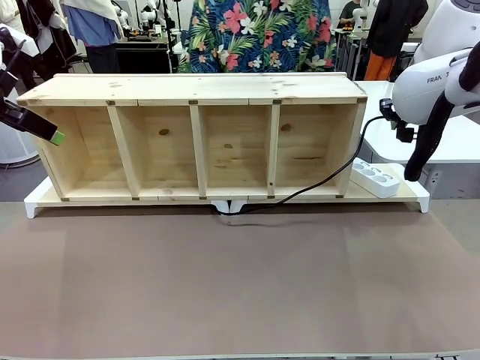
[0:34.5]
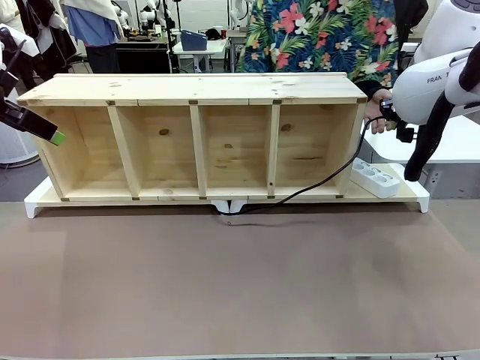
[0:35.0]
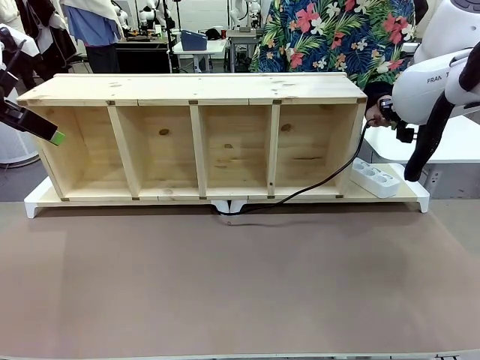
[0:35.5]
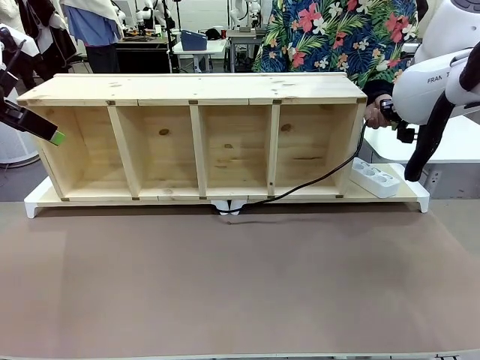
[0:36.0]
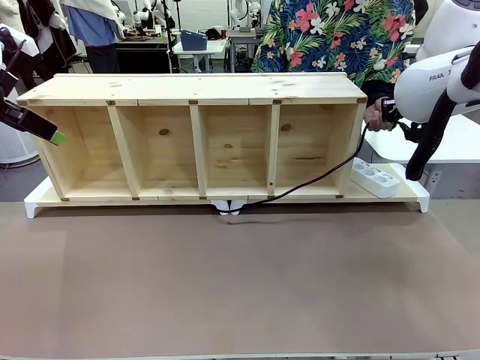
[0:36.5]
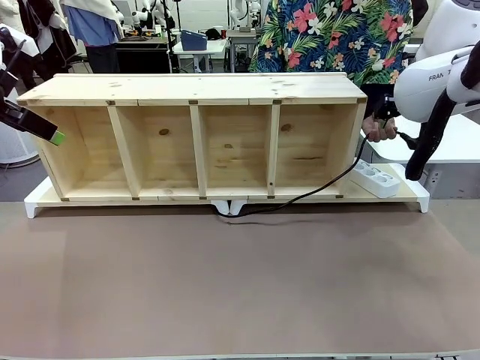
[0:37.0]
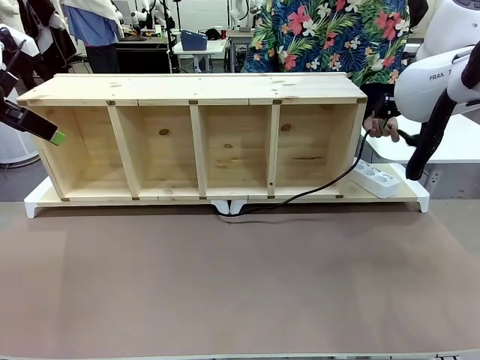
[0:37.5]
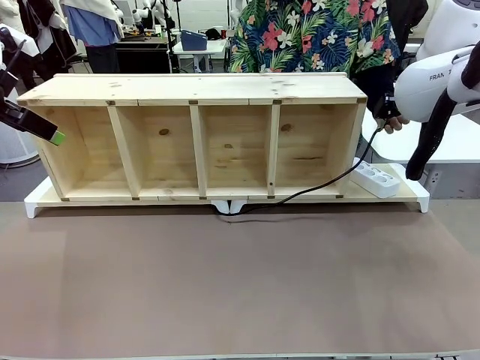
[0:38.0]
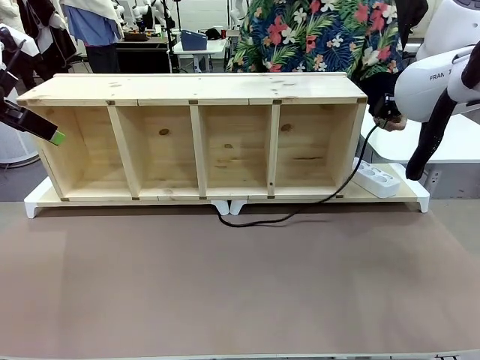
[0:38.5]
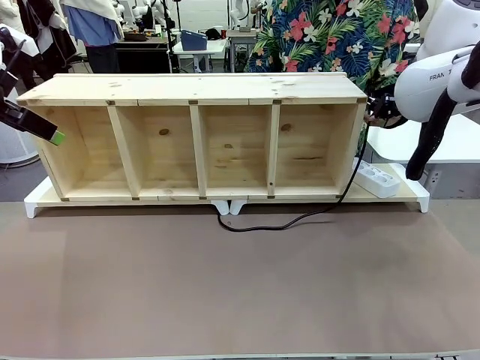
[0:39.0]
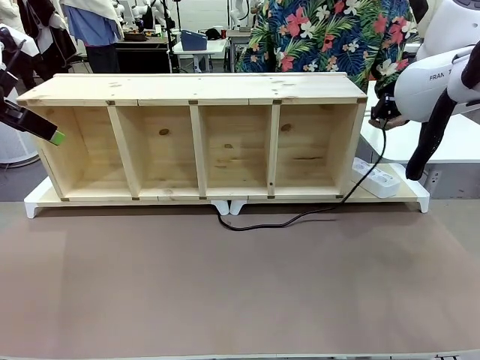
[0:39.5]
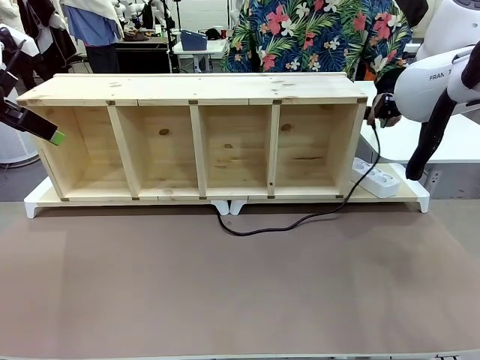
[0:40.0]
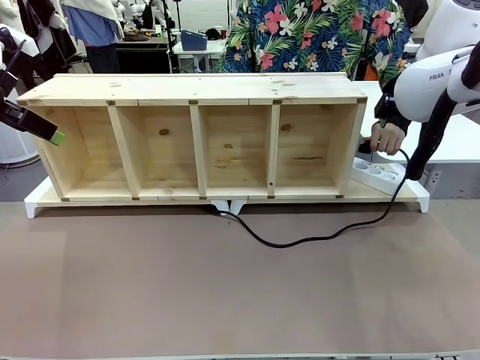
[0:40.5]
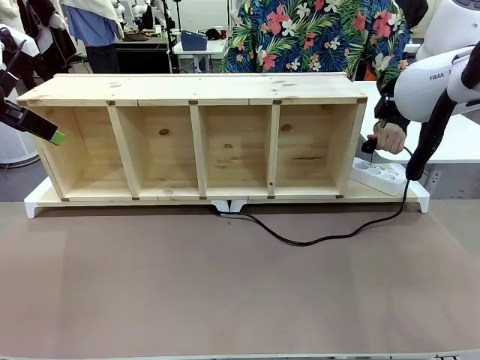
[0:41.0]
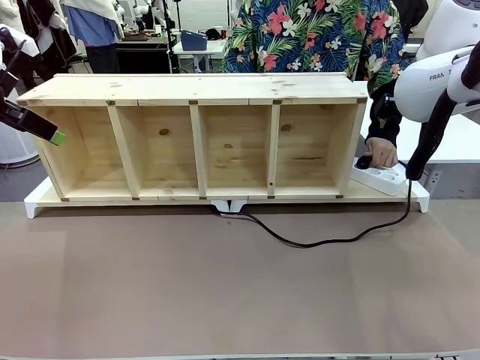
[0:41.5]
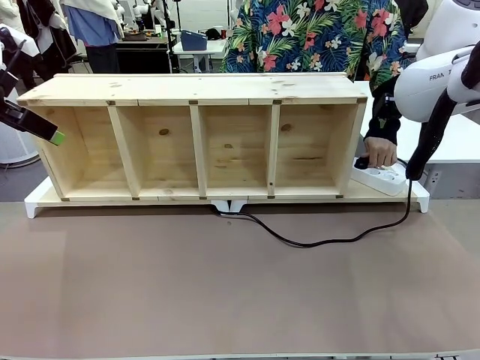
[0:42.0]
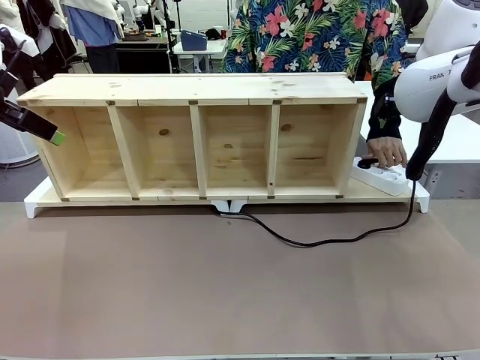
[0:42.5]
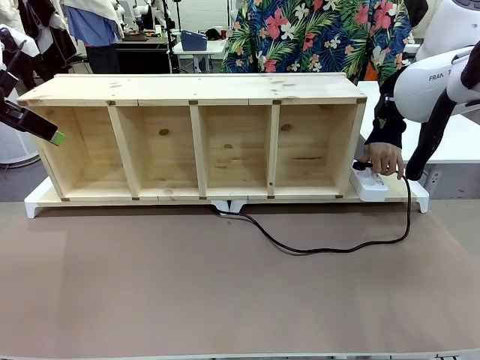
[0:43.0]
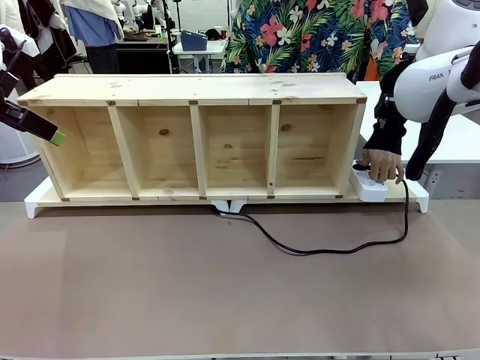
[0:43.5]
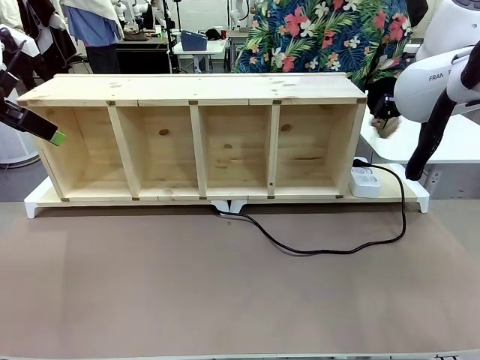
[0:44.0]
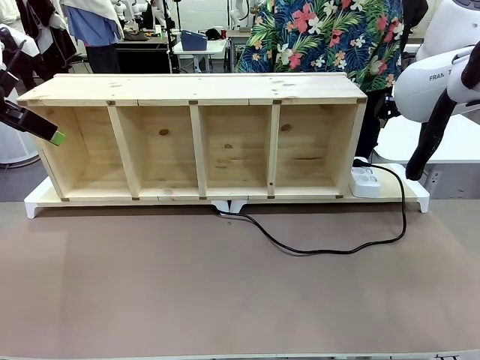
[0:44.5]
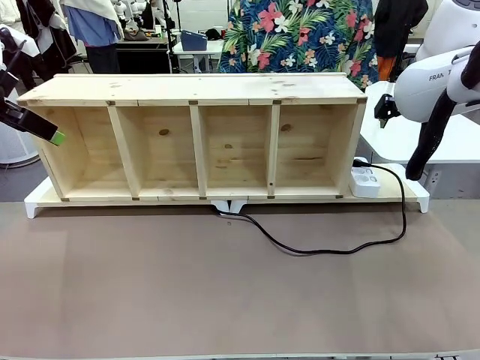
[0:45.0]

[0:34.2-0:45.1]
Task: Perform cable management.
Robot: Release the Power Cable when the human grasps it.
Person: Plug the Power Cable into the Power Strip.

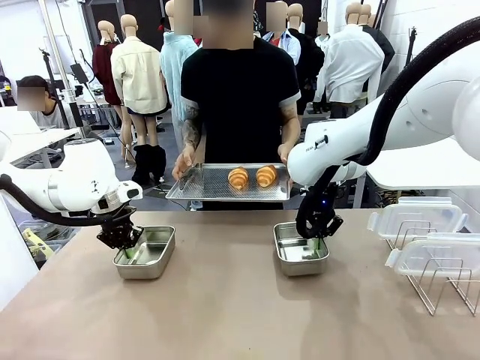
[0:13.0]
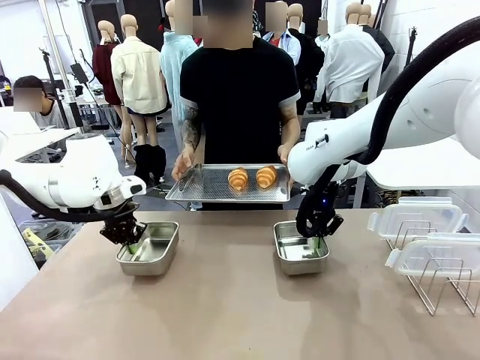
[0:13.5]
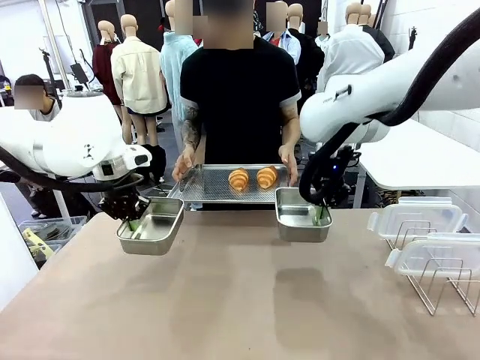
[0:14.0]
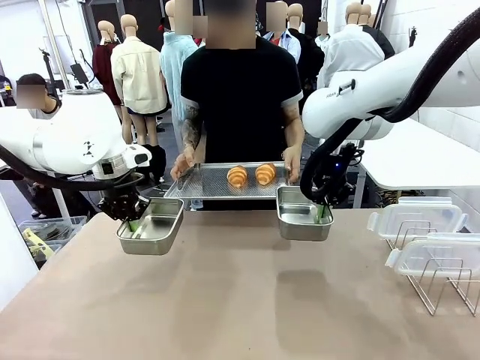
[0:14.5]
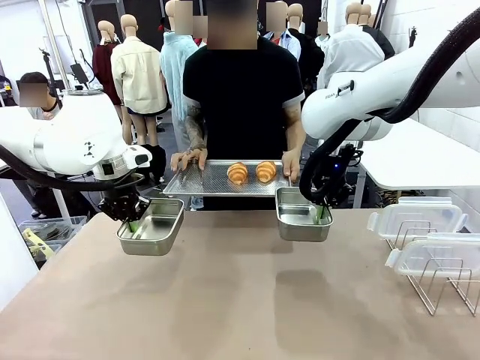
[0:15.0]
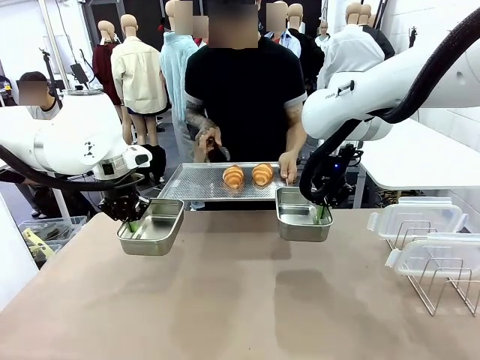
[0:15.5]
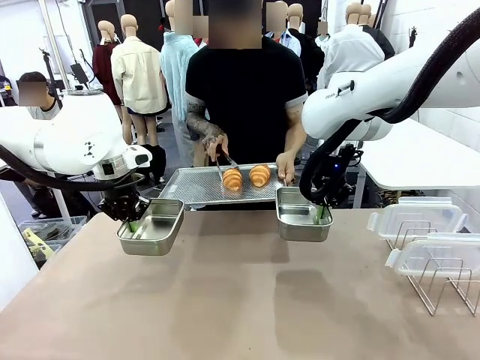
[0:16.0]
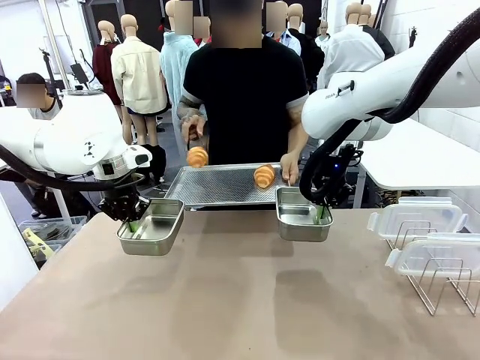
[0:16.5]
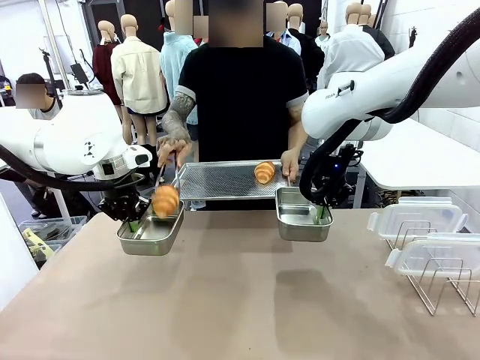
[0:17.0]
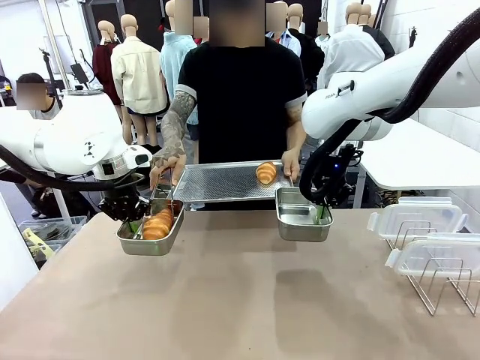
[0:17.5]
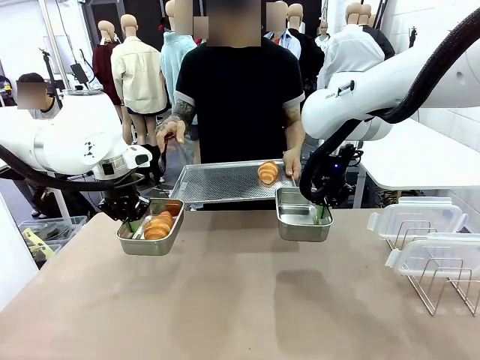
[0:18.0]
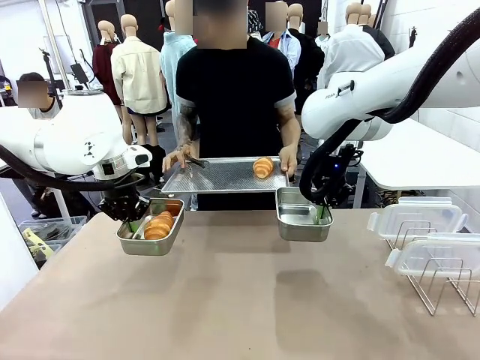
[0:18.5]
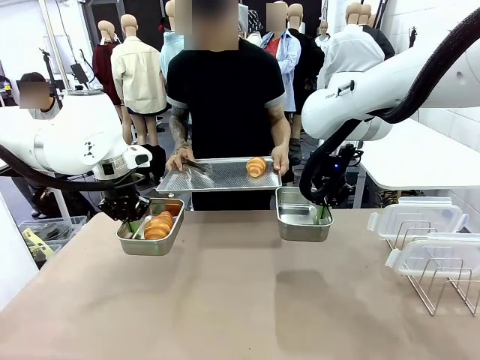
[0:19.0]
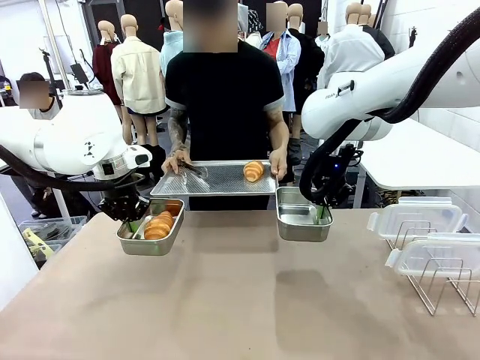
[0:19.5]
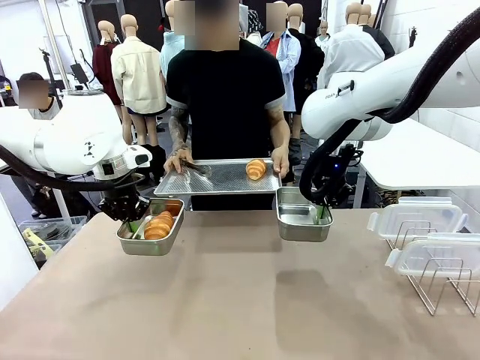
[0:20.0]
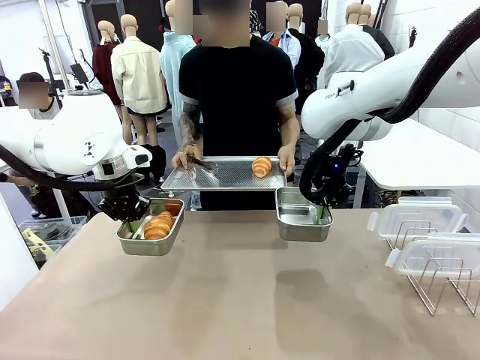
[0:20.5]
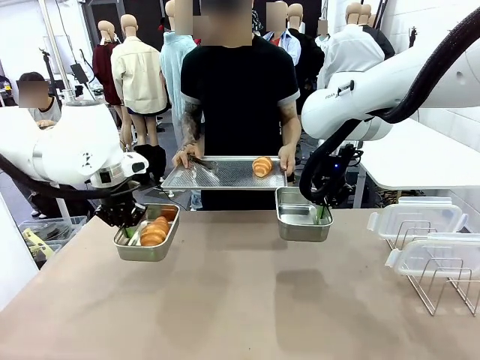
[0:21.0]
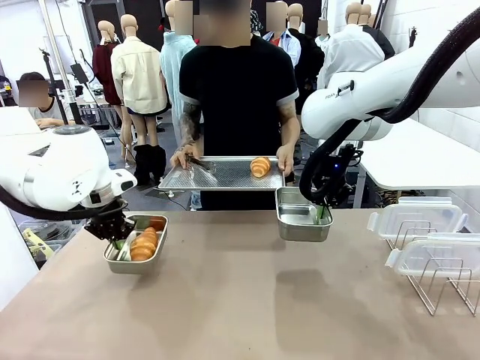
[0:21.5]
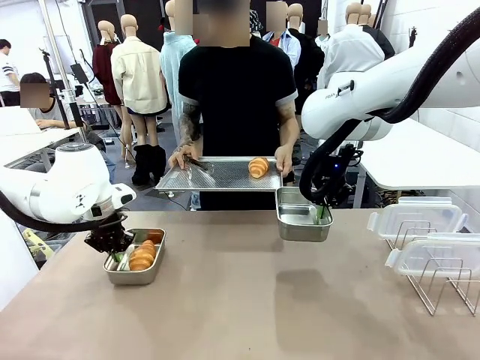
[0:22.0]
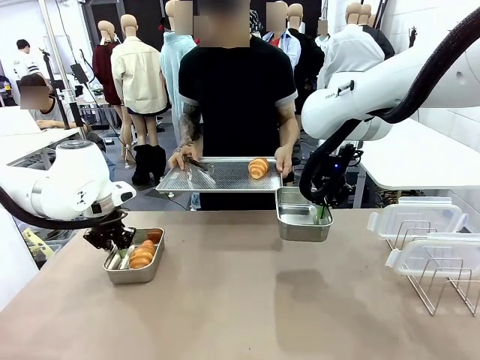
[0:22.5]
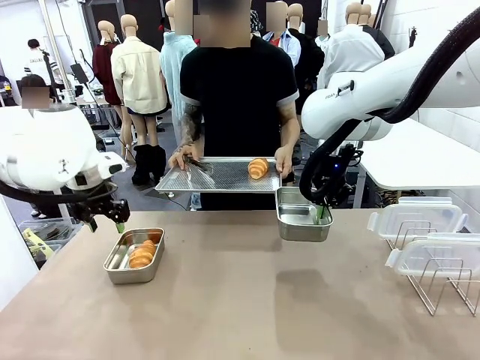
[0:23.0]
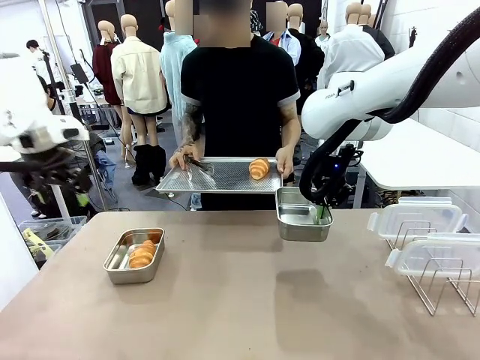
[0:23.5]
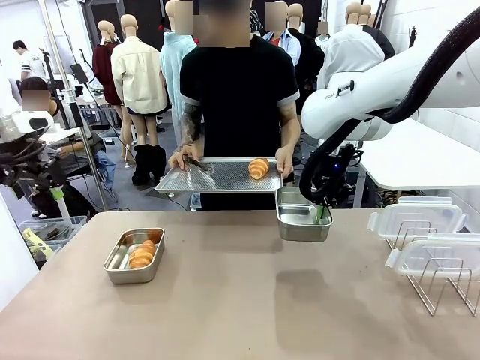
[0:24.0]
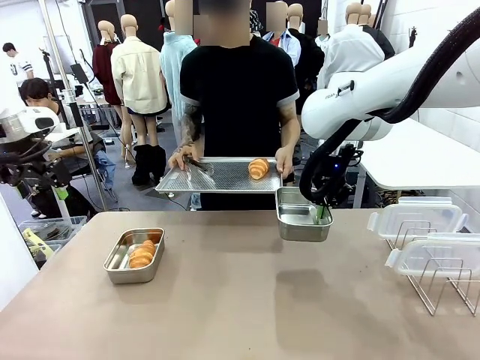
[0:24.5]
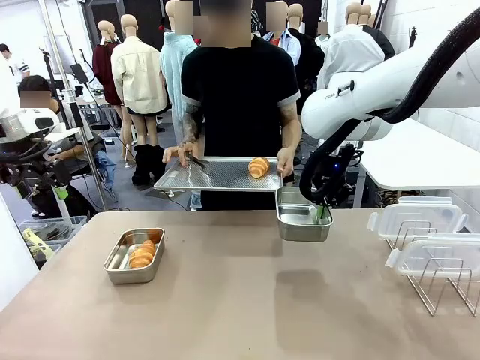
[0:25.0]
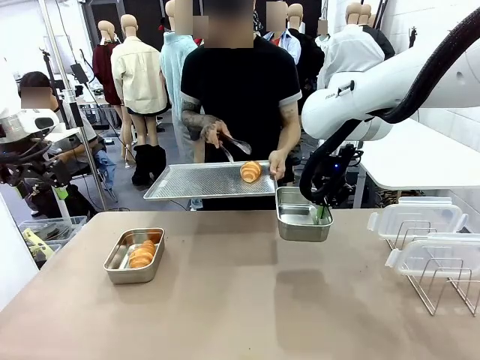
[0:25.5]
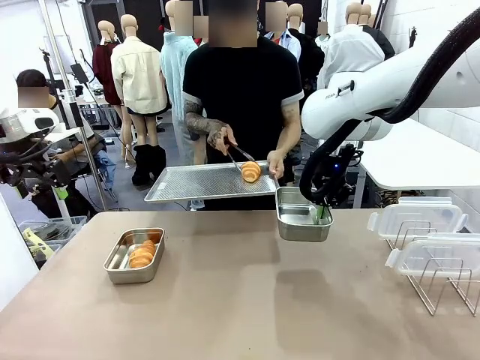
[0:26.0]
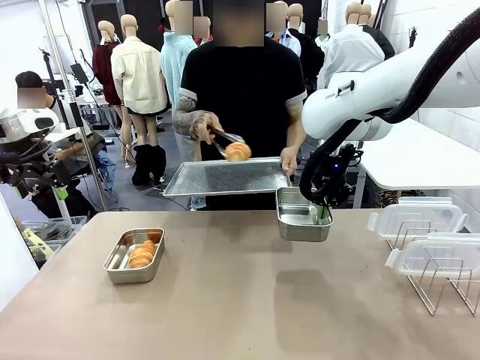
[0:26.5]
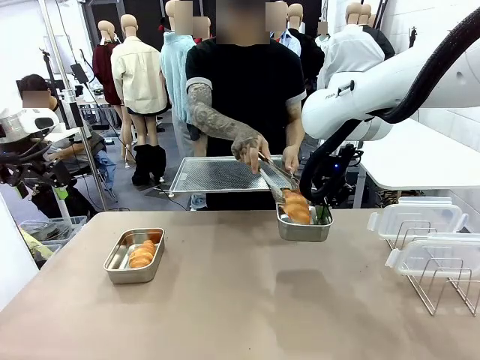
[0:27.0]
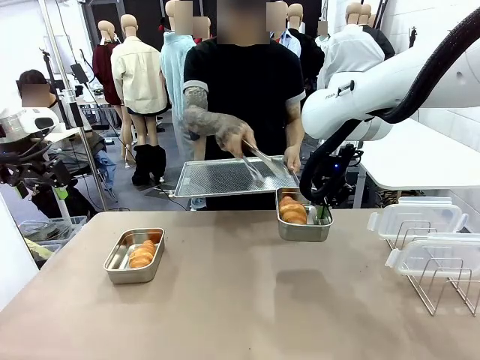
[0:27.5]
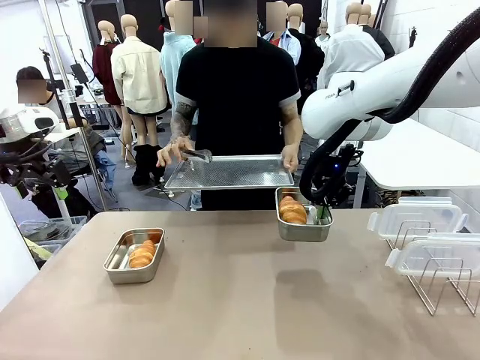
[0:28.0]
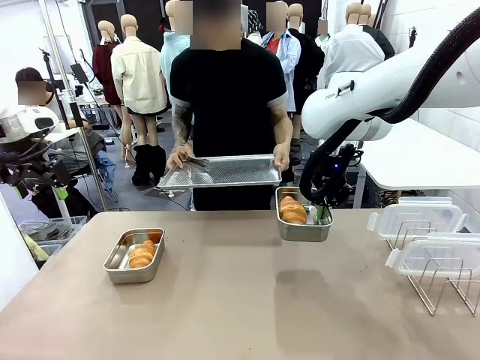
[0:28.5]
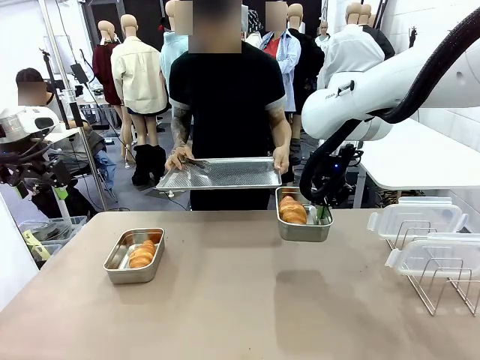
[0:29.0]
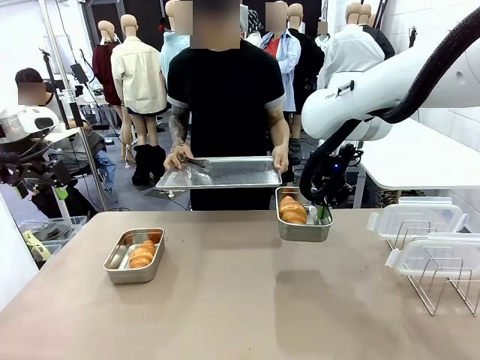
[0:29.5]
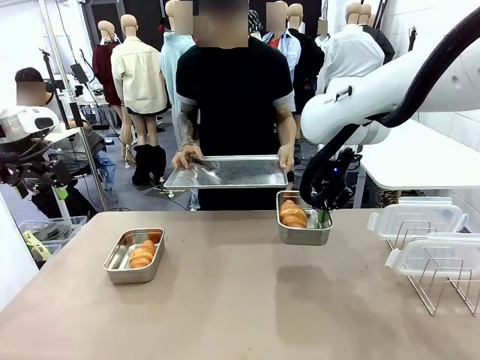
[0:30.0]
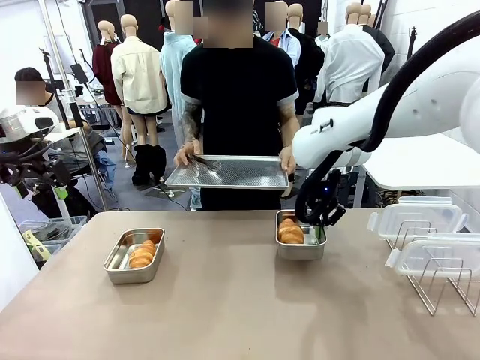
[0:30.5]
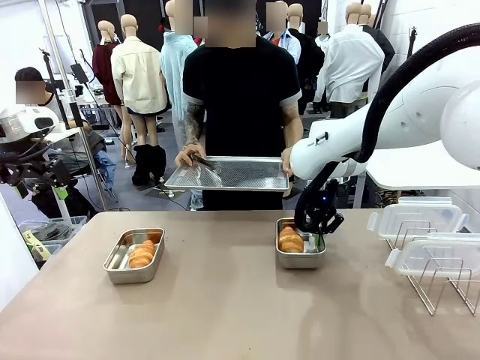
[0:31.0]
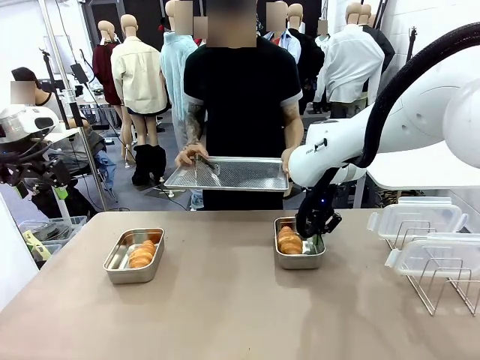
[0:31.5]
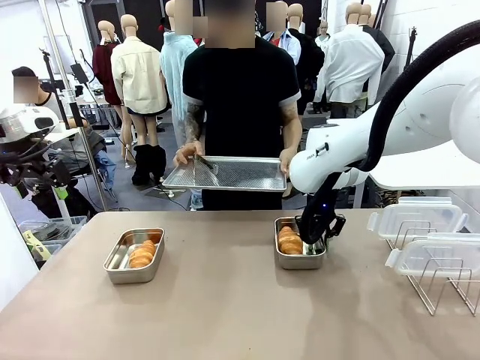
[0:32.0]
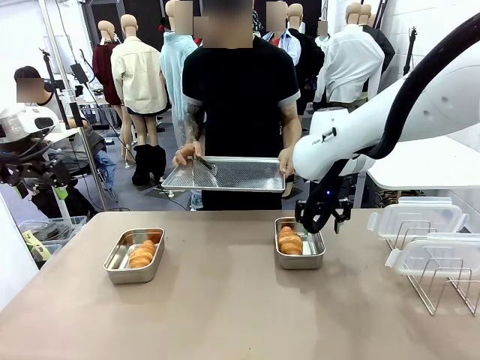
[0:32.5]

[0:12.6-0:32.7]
Task: Place the bread in airtight containers.
Robot: Once an object is inside an Airtight Container , place the container in the center of the table.
Person: Use the Stainless steel tongs to place one object from Baking Sheet into one Airtight Container.
